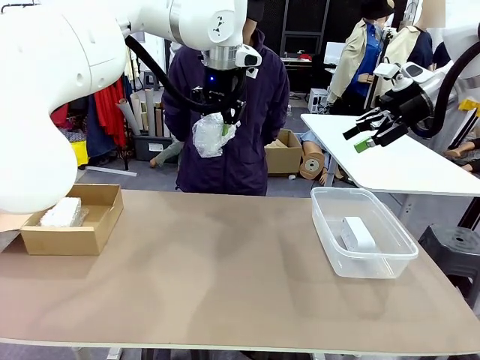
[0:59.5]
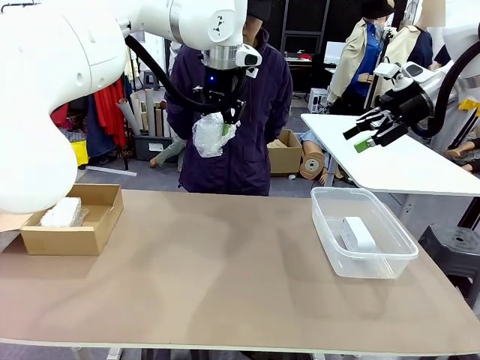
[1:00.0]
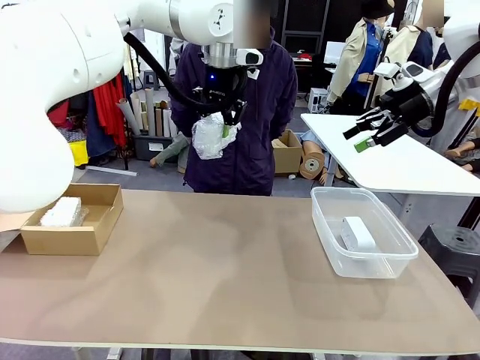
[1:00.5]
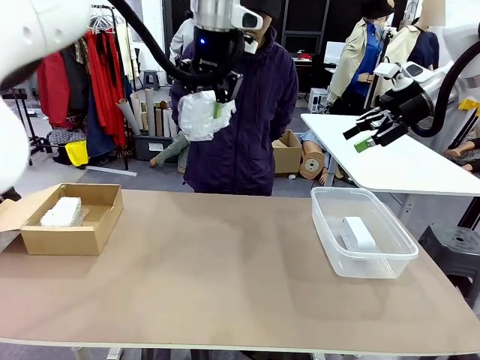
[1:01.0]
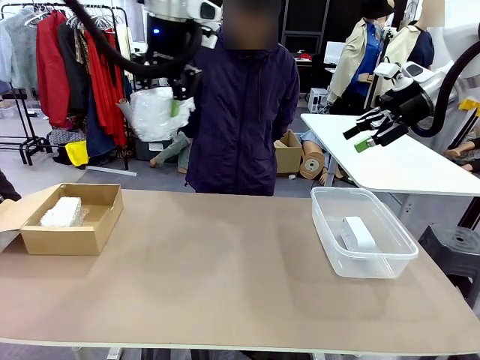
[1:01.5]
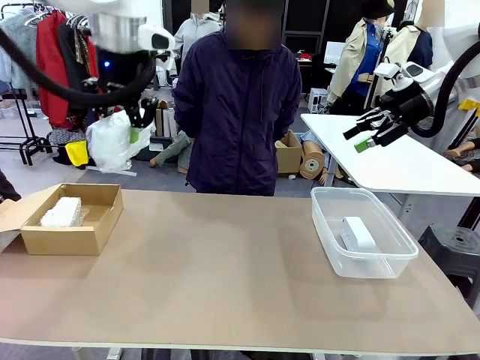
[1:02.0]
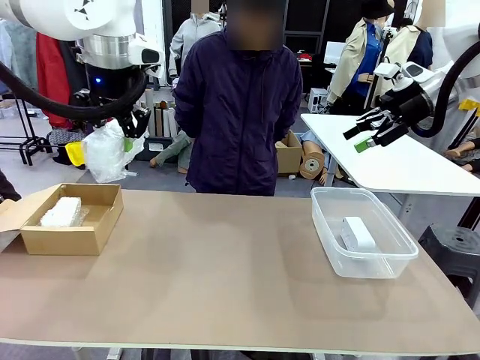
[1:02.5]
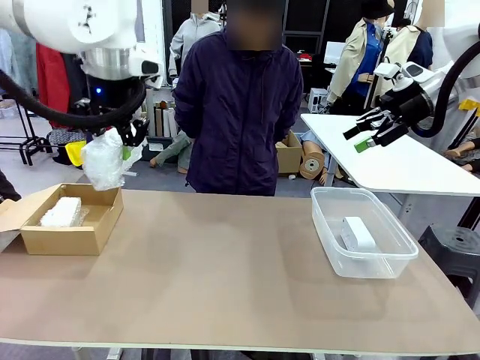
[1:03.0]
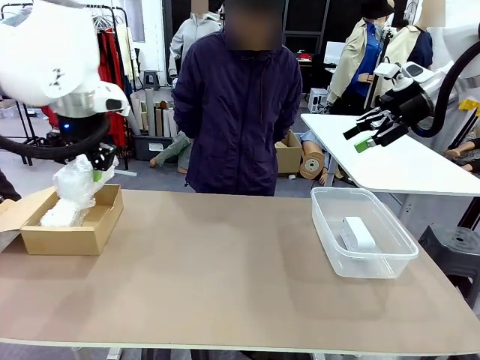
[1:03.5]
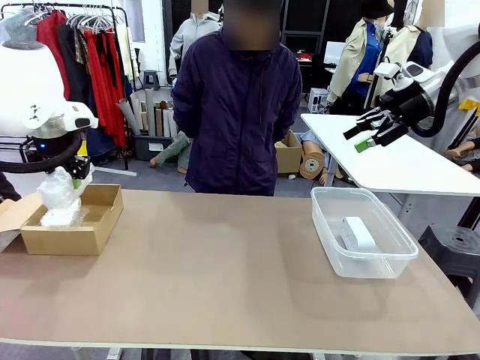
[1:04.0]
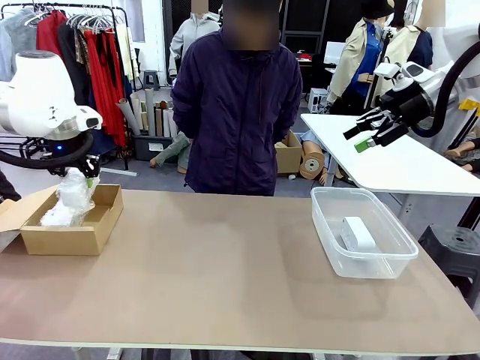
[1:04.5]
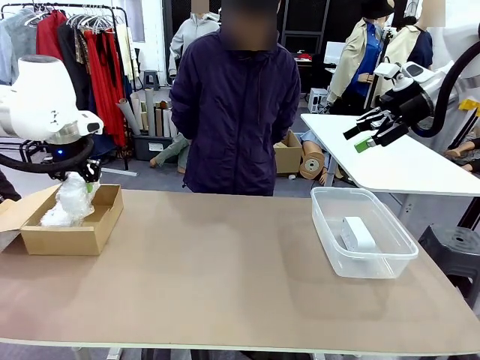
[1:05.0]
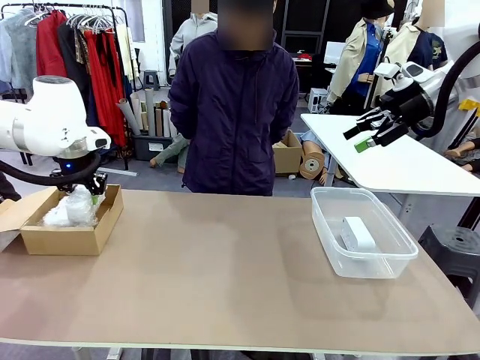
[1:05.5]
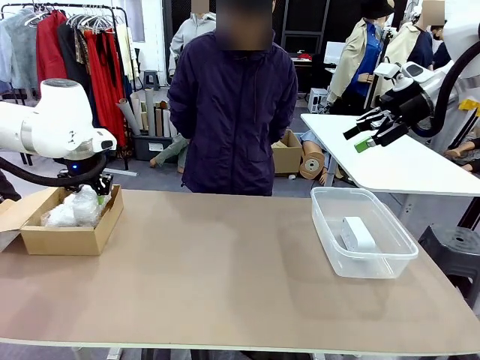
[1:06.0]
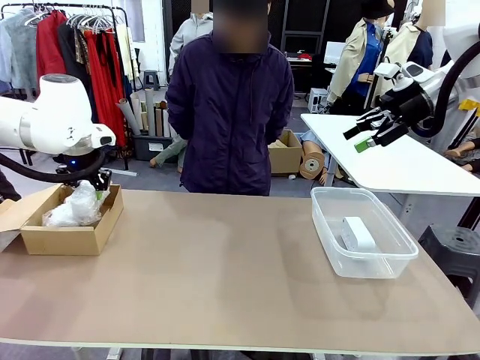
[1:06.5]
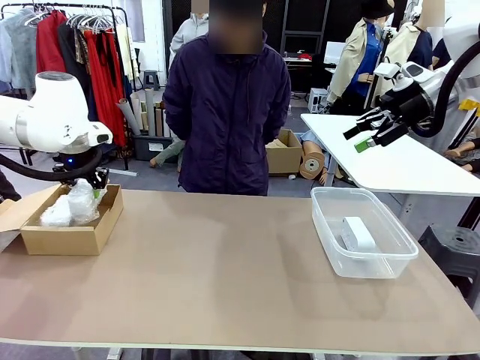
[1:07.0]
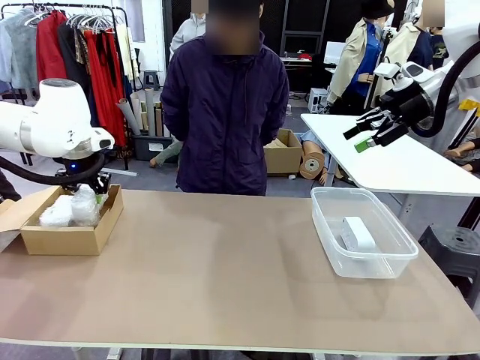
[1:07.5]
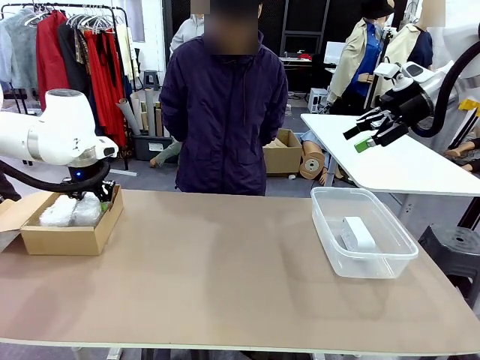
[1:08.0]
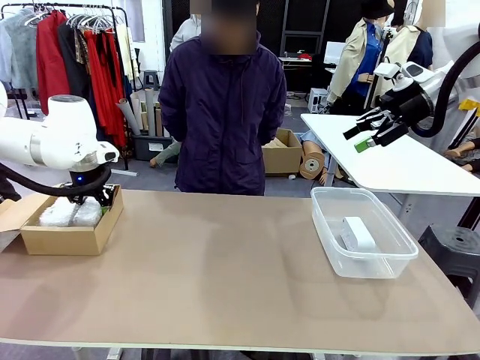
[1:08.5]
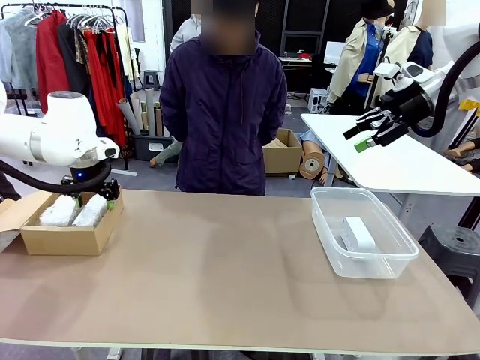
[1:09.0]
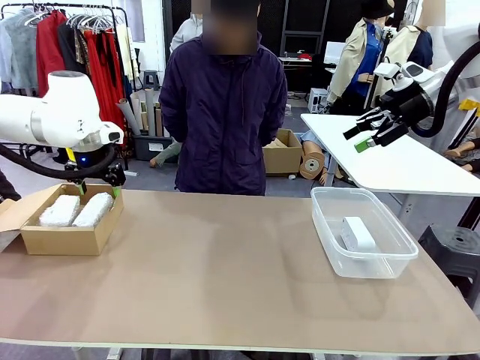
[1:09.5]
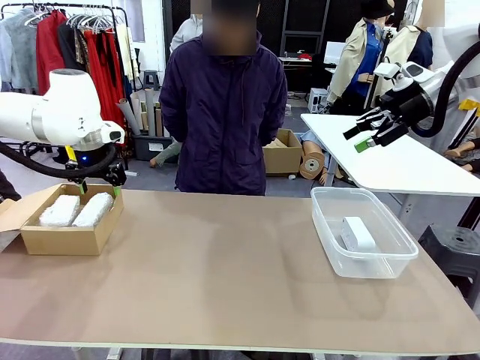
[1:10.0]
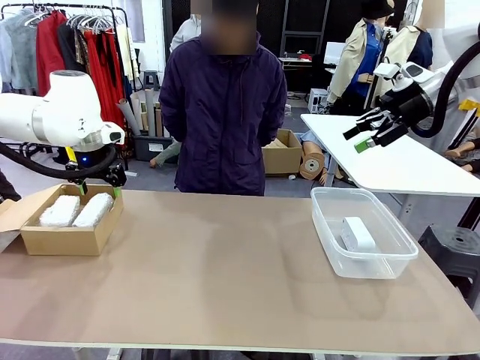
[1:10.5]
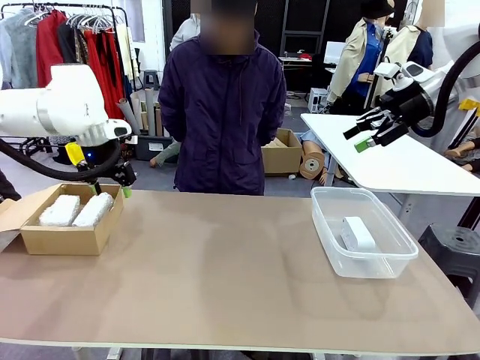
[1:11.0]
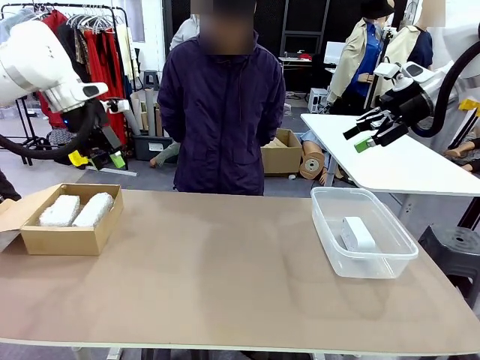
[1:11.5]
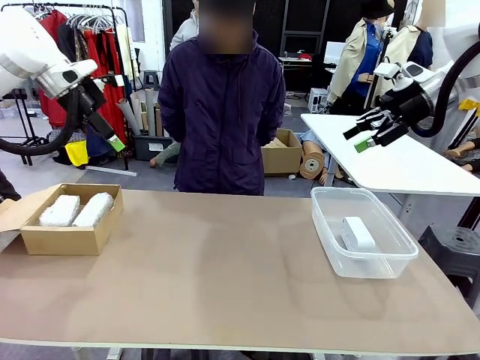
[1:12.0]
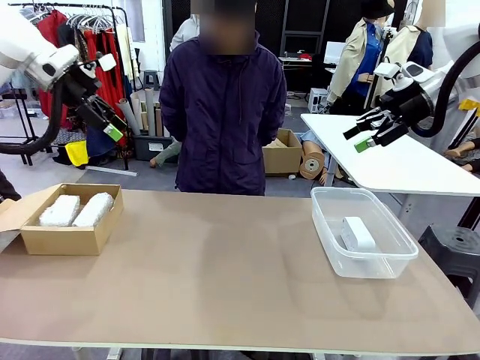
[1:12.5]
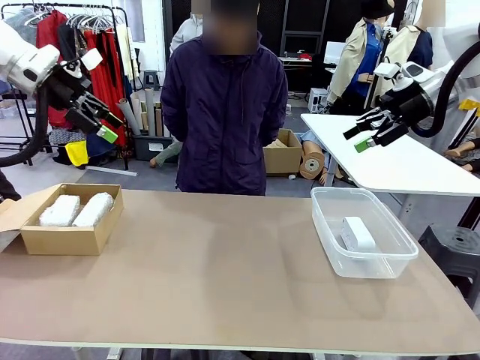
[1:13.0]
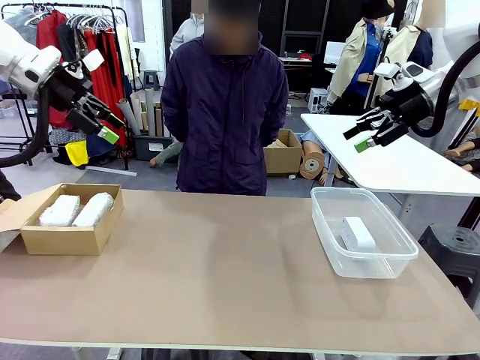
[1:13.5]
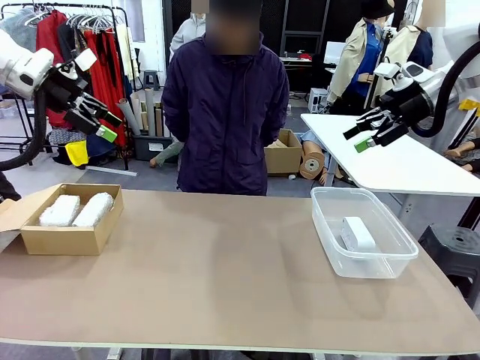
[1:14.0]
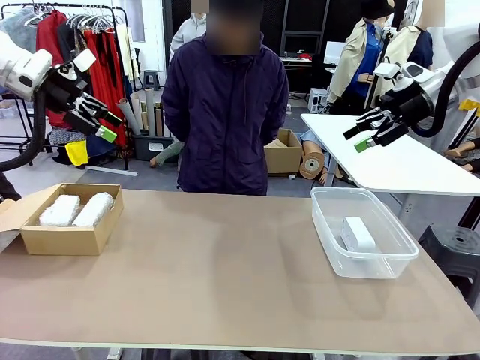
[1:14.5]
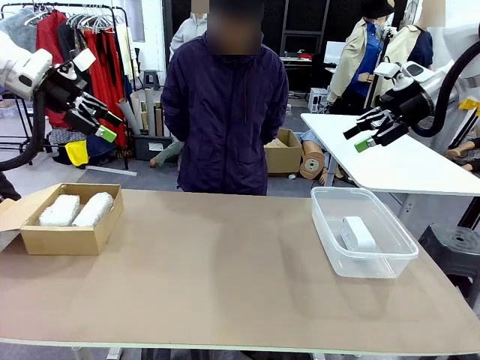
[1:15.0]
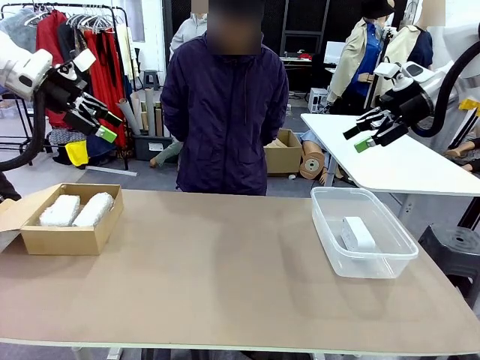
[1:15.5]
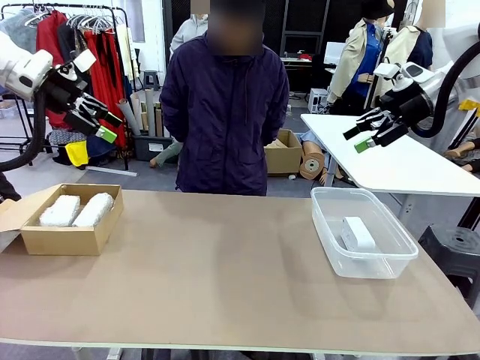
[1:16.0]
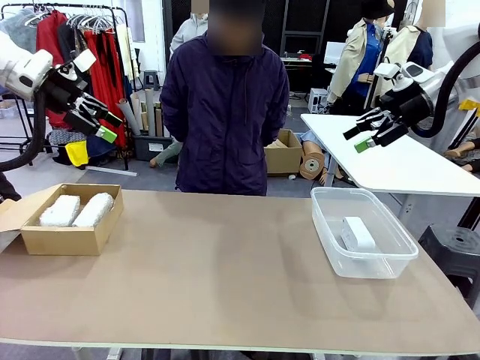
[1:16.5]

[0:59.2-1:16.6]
Task: Separate and place wrapped and unwrapped clocks.
Robot: If the picked Digital clock is wrapped, place it in the Package Box ; if not, place it in the Organizing box.

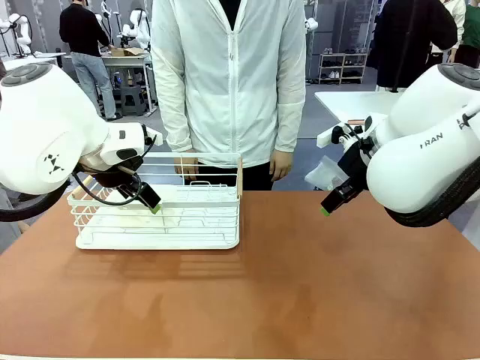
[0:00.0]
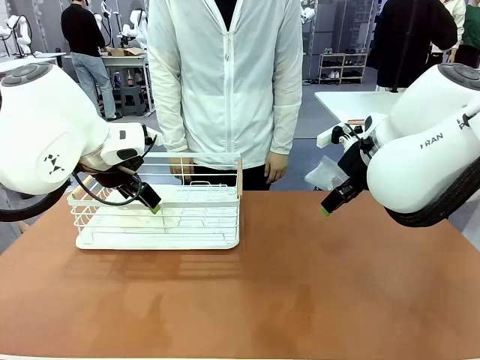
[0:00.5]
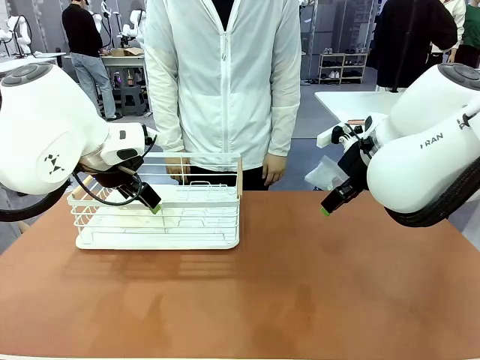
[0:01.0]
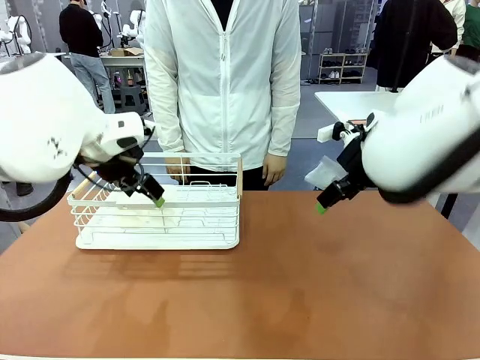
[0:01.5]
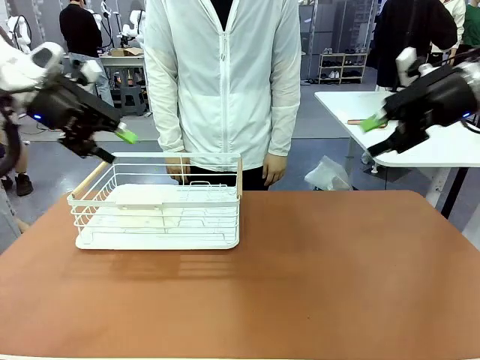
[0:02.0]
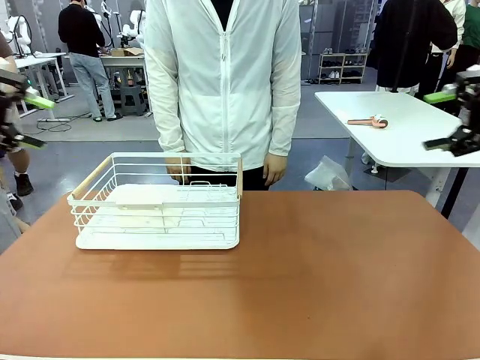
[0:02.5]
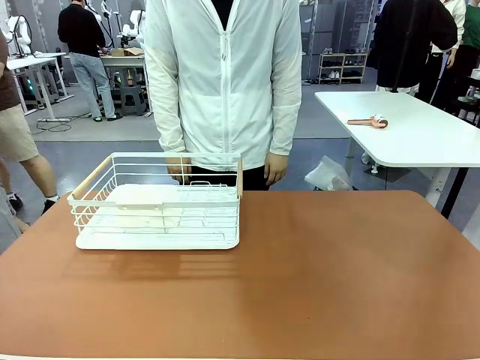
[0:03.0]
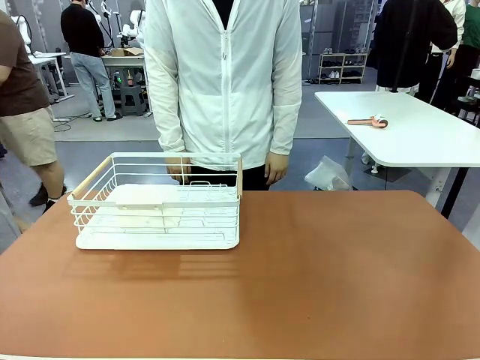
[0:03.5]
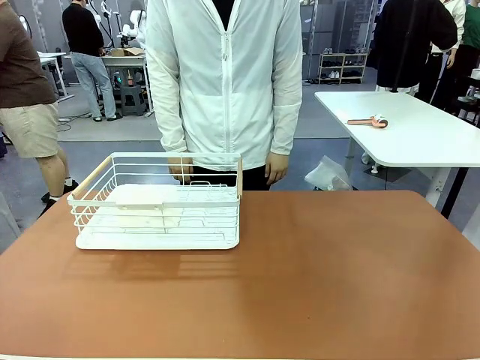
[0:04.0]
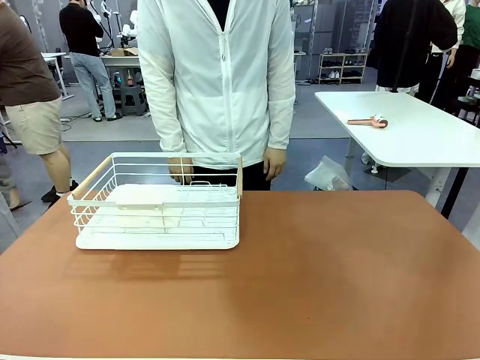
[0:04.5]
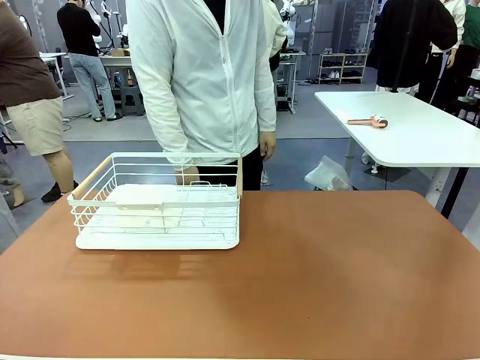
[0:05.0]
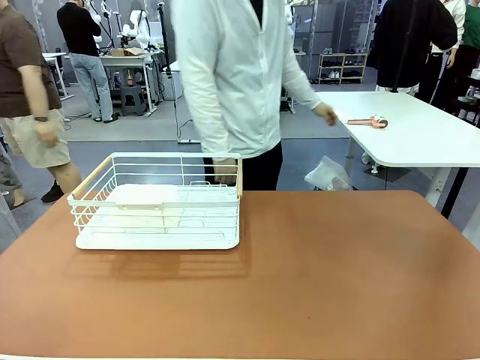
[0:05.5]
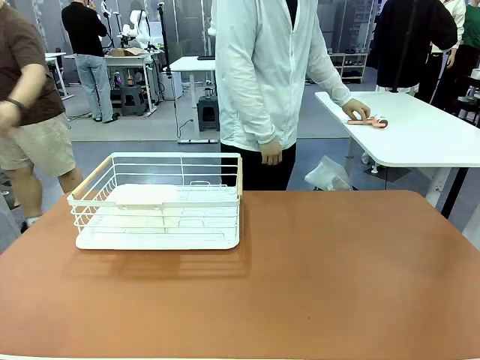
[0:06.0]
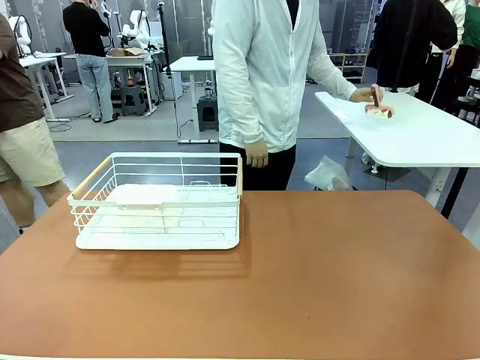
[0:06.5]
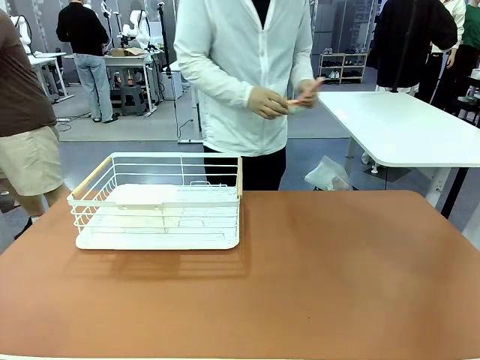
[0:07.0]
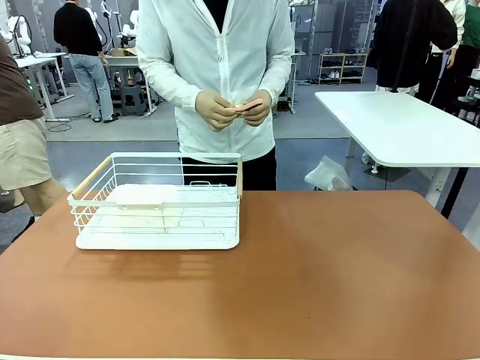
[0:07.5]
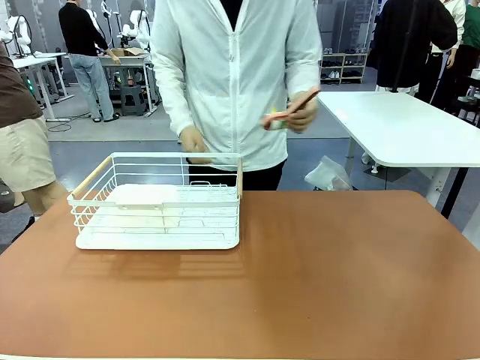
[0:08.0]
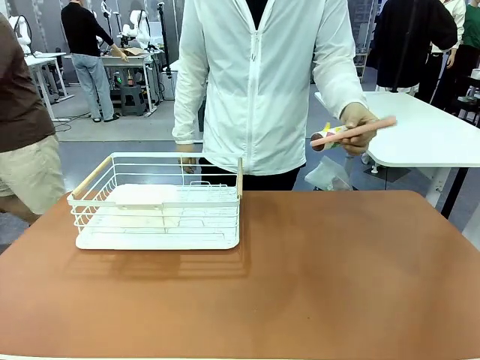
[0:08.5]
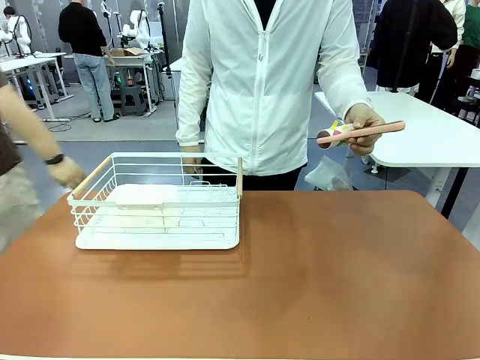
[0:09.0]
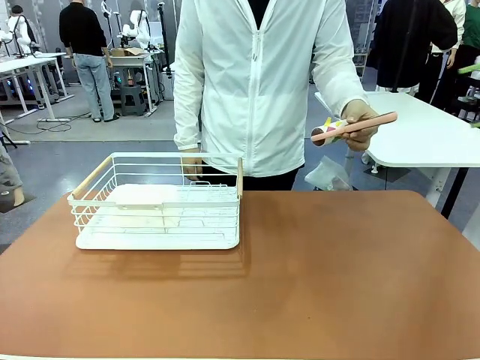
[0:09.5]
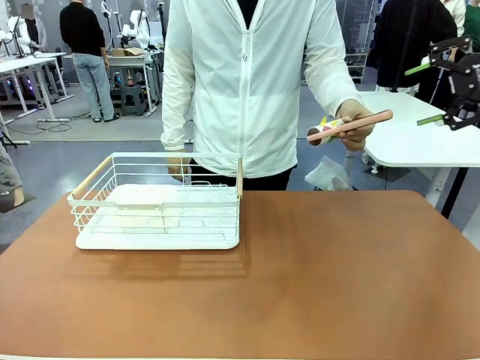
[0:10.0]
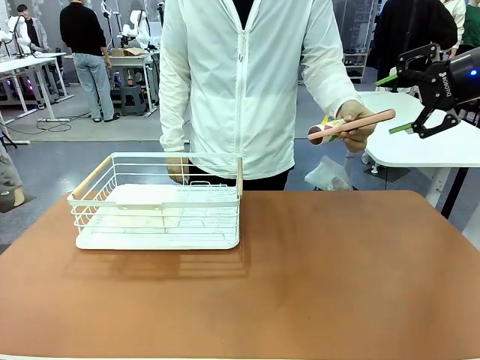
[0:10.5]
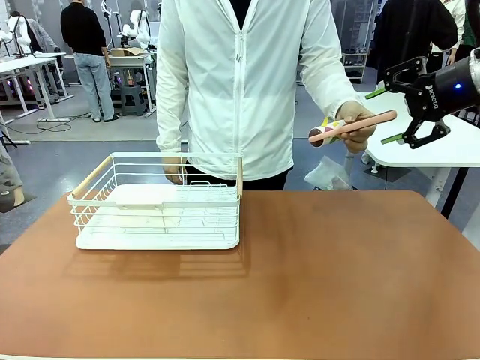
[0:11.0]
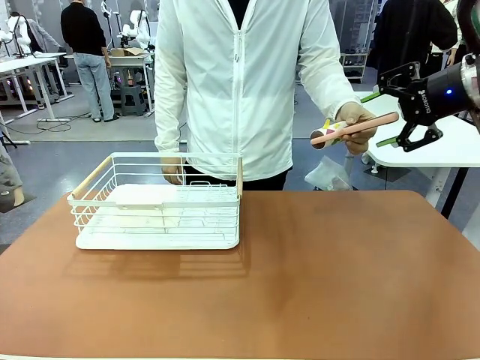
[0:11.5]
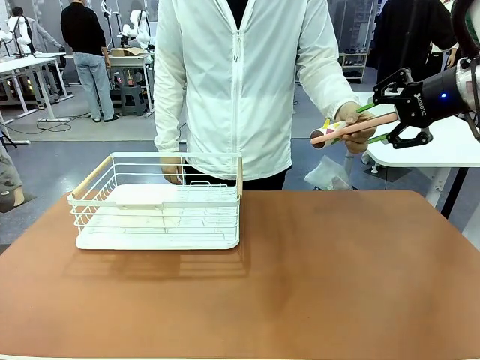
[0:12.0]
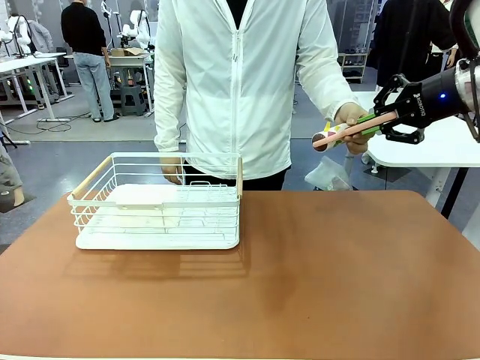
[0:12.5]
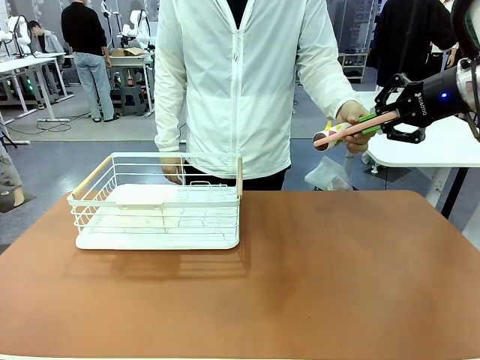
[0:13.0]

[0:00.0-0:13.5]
Task: Clean the table.
Robot: Pick up the Lint Roller when the human hands it over.
Person: Hand the Lint Roller to the robot so it can easily pick it up. Lift the Dish drying rack.
